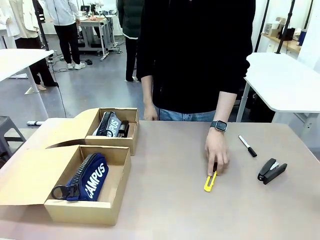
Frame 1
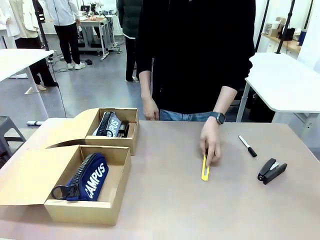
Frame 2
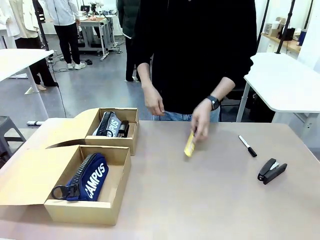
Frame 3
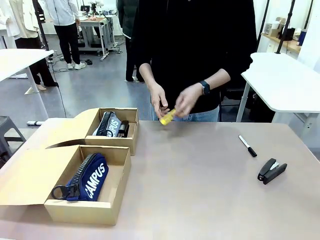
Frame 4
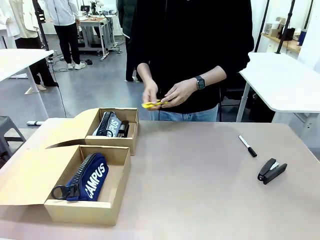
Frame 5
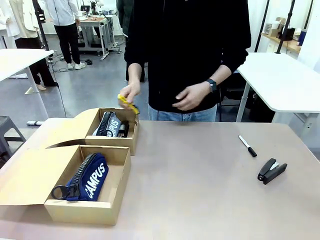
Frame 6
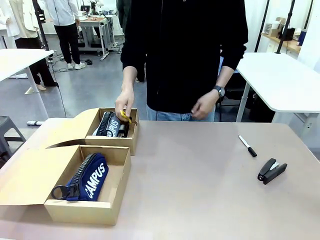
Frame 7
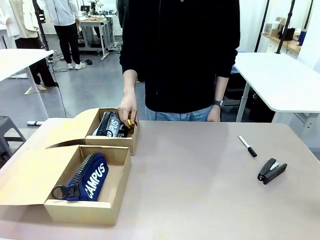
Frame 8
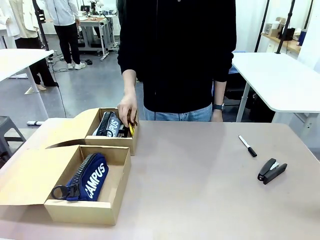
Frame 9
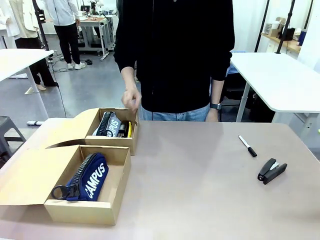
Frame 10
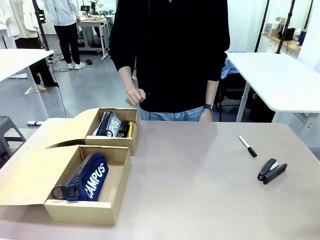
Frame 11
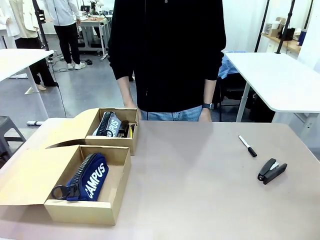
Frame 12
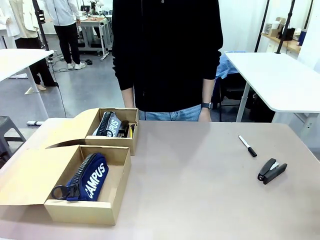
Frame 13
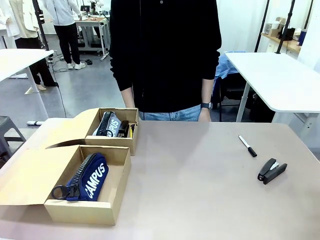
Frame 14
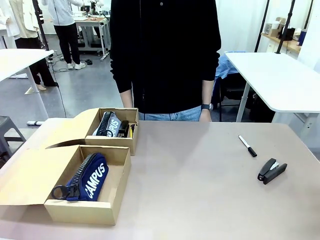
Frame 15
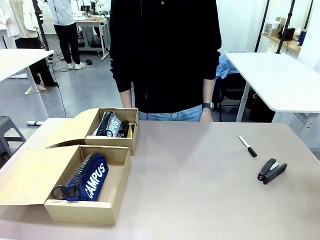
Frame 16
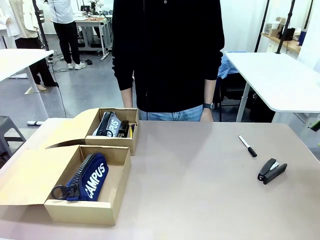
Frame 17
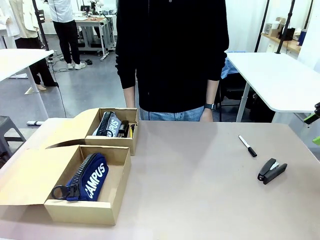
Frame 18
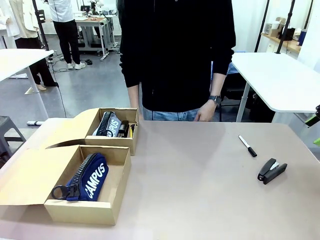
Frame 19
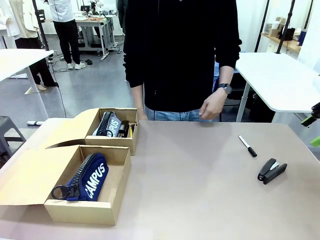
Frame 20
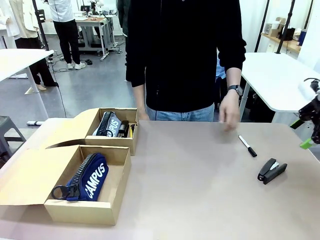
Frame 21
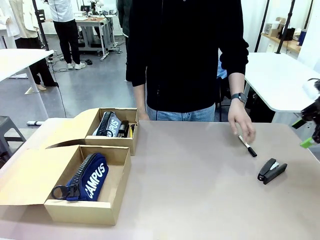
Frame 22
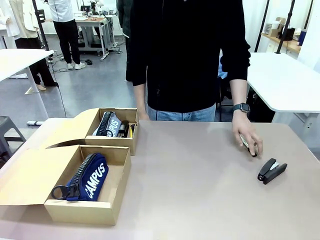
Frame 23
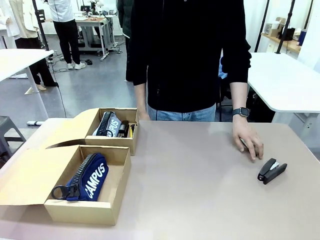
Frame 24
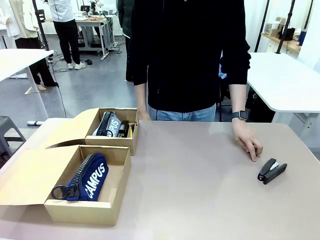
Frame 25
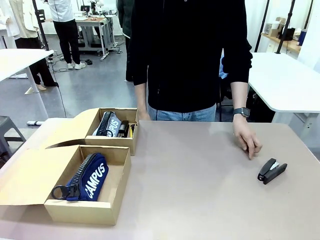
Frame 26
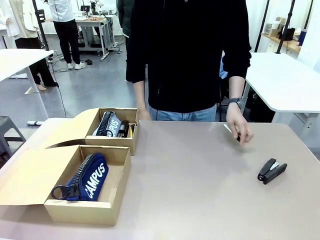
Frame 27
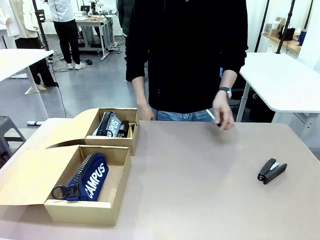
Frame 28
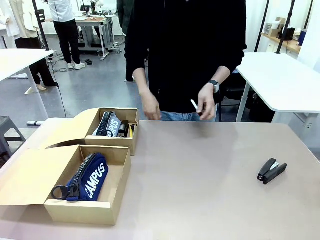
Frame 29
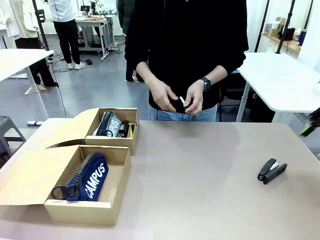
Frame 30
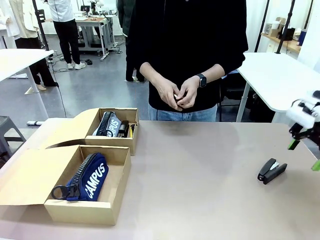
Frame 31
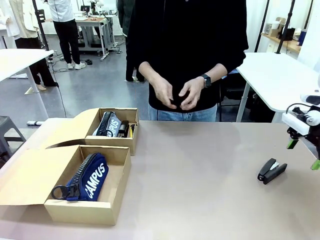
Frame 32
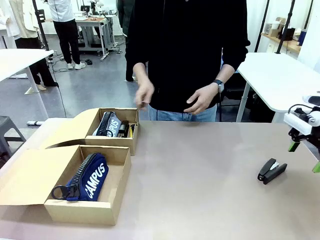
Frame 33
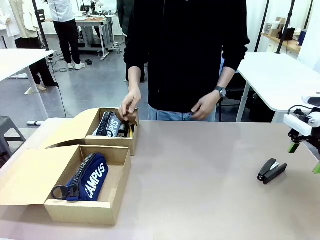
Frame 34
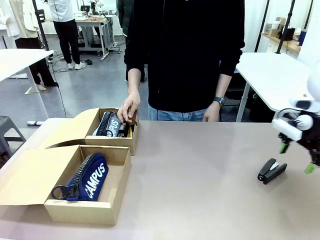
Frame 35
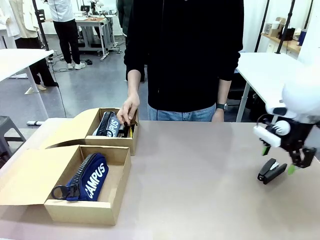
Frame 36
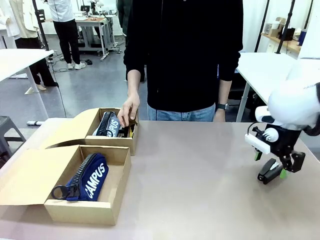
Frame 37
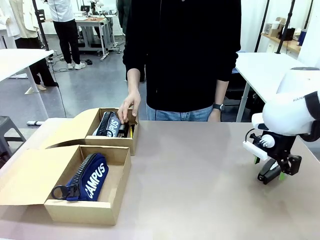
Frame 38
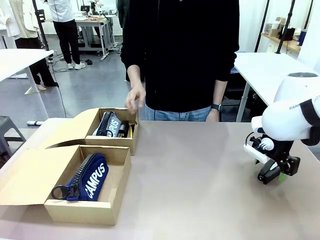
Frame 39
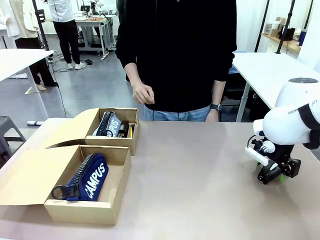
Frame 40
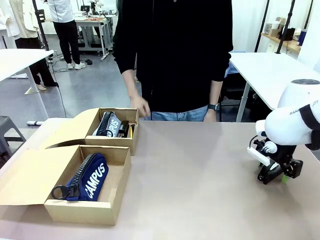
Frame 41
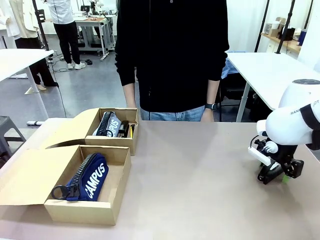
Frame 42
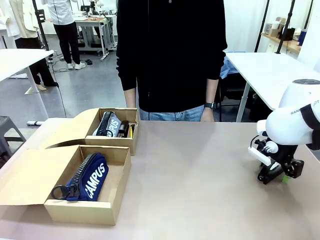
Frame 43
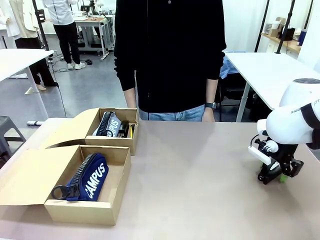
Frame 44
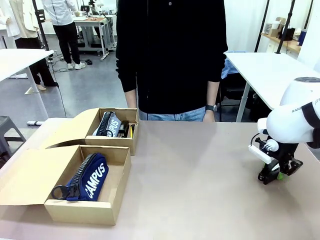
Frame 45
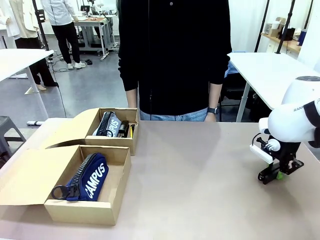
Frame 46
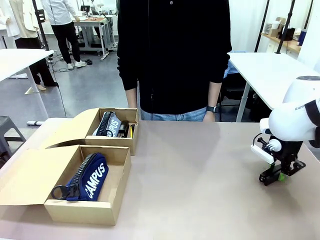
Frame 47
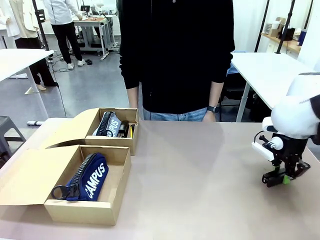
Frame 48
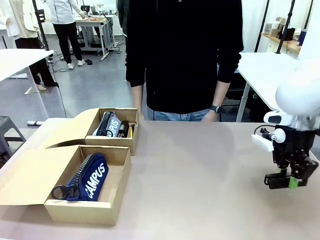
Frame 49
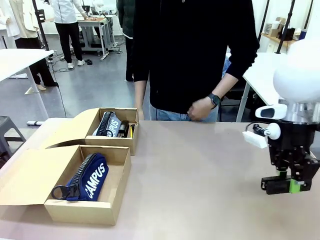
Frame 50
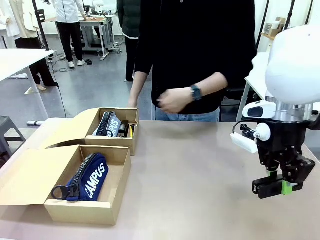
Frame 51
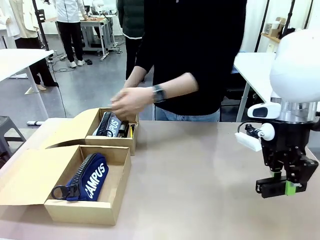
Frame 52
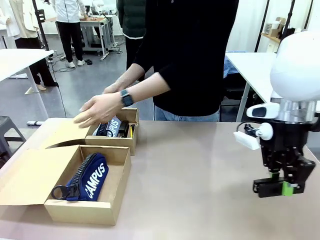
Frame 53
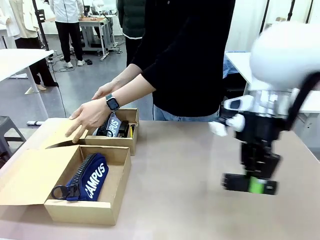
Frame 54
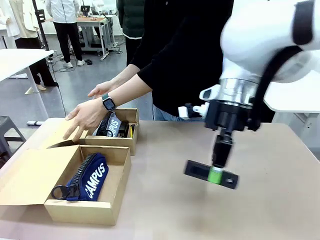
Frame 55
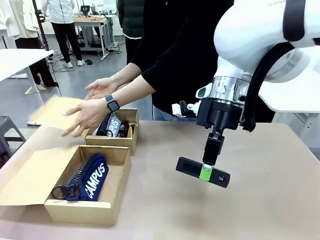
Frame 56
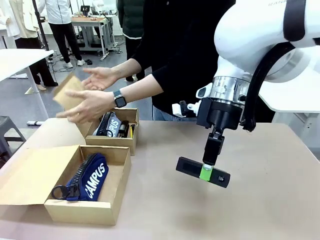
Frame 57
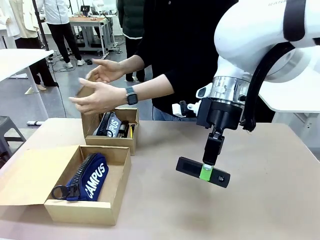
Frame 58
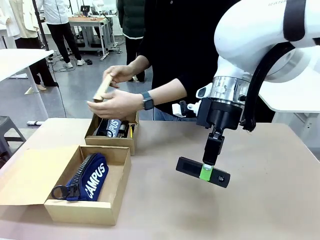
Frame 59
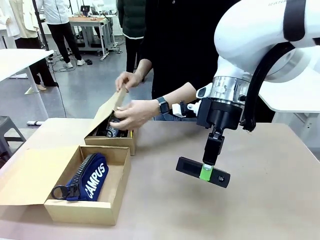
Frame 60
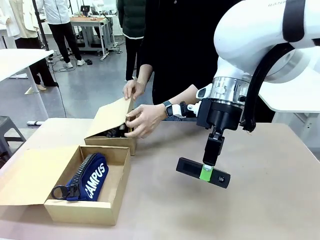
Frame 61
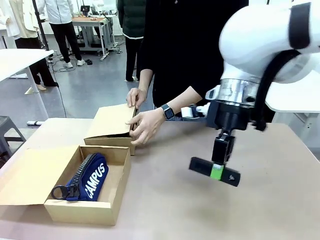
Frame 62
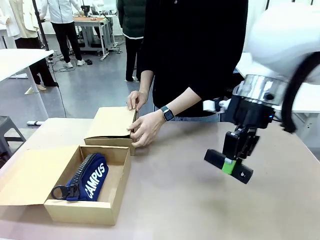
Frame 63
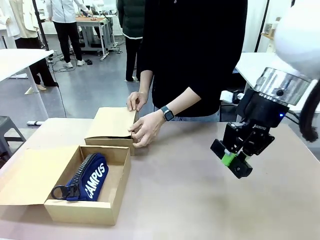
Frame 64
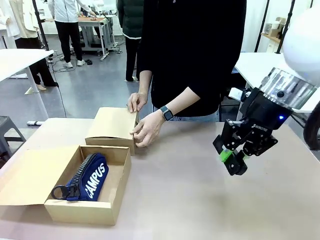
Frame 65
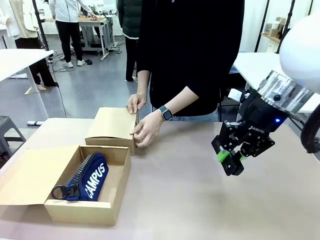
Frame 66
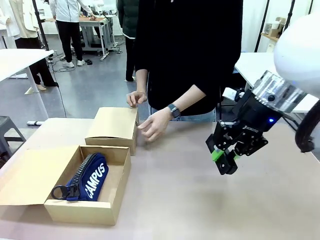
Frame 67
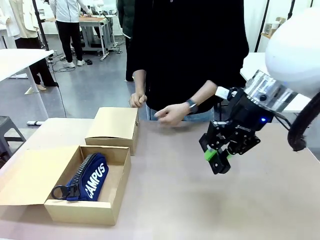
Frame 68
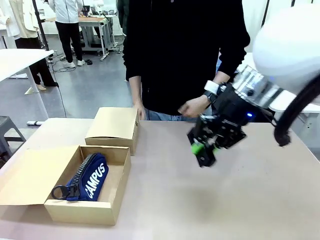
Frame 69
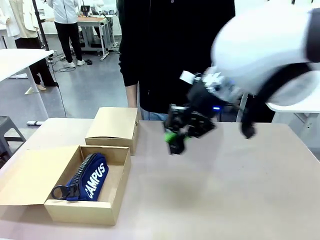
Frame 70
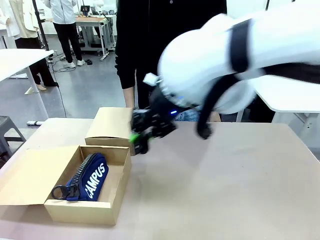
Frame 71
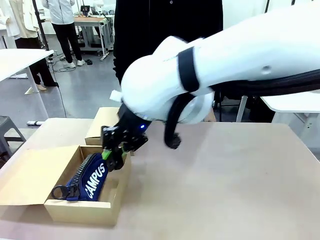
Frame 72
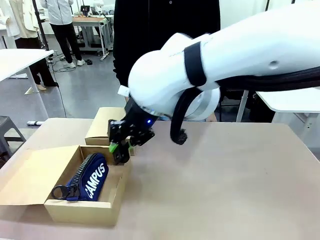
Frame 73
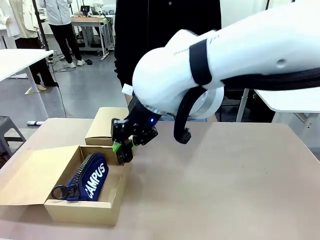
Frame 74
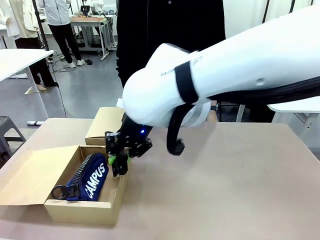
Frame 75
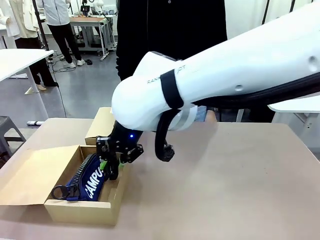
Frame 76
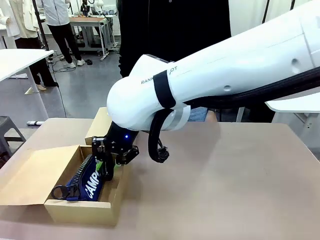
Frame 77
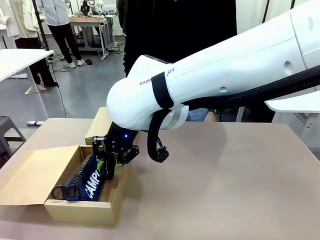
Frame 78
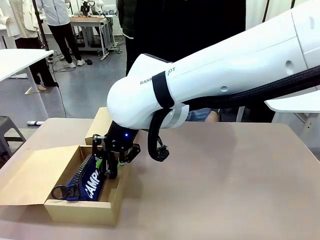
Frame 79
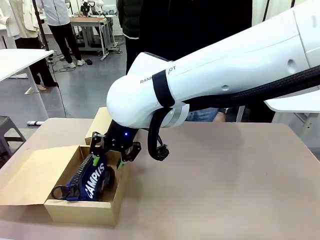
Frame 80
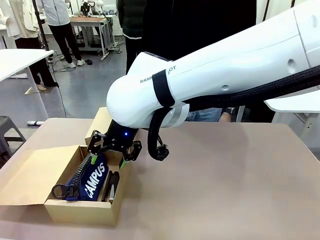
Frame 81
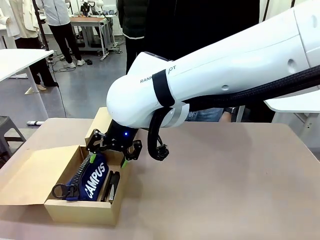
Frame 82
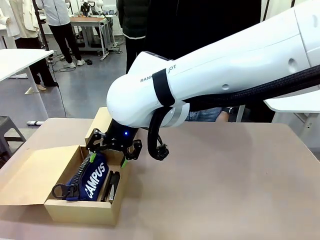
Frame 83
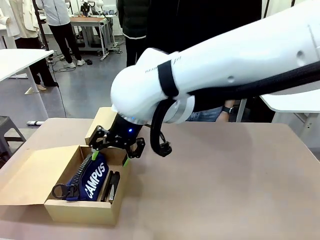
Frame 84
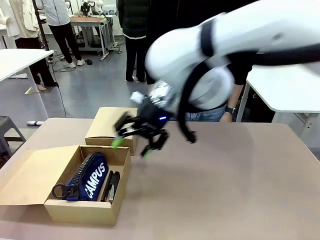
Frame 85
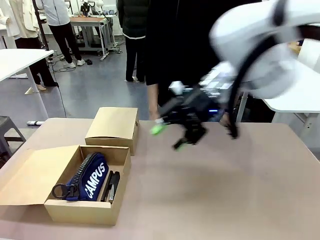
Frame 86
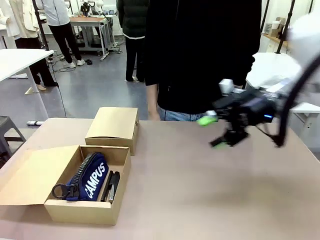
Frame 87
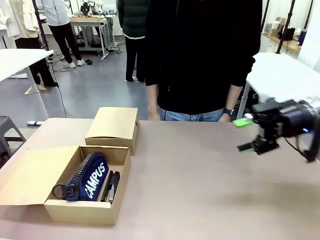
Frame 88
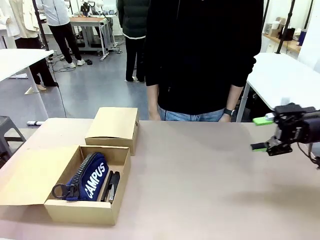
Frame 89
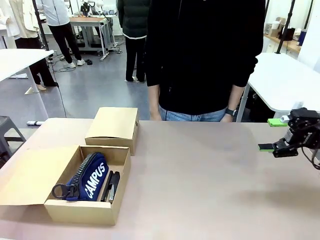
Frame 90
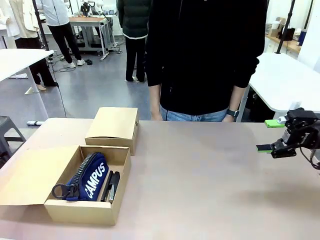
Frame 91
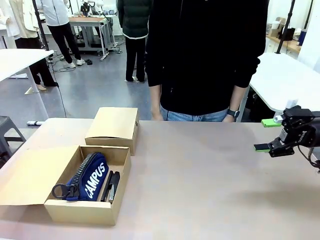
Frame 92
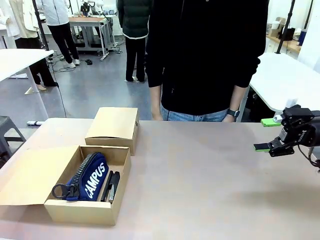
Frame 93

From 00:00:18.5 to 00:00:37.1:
Task: Place items inside the box.
Robot: Pick up a Pencil pouch or Stapler and place it inside the Mailer Box closest to the robot.
